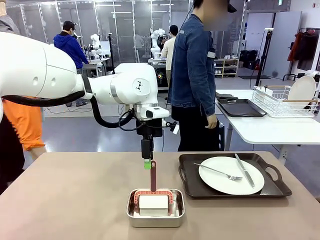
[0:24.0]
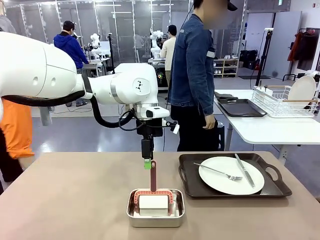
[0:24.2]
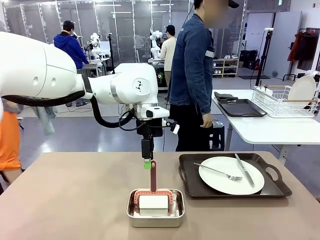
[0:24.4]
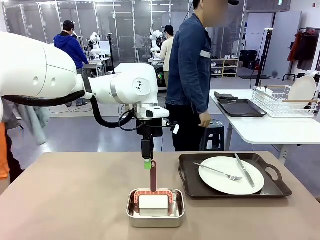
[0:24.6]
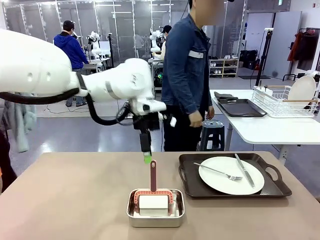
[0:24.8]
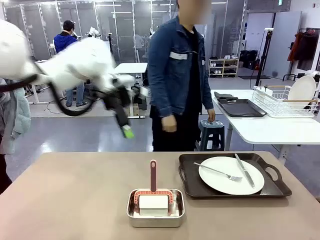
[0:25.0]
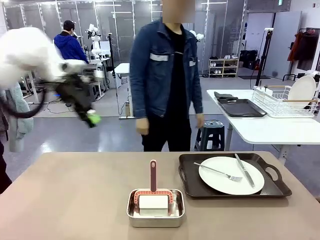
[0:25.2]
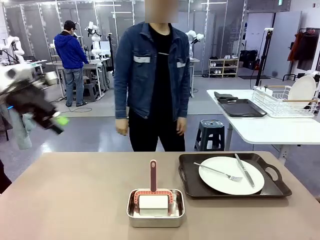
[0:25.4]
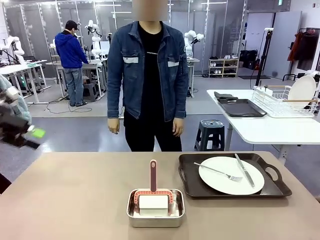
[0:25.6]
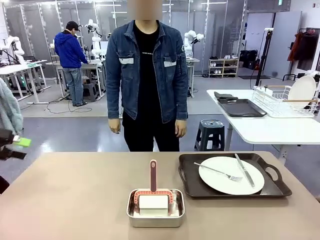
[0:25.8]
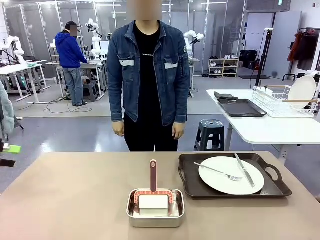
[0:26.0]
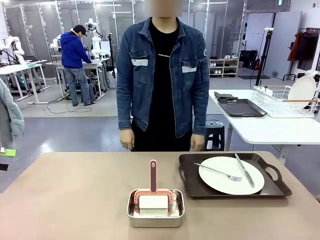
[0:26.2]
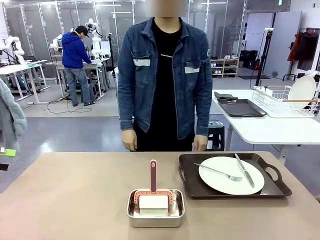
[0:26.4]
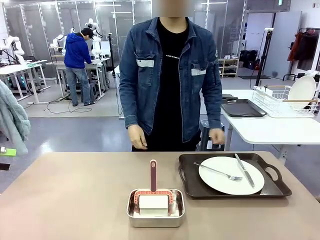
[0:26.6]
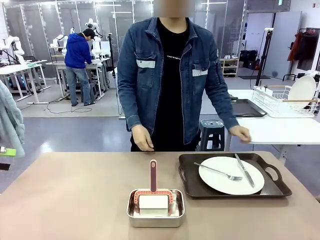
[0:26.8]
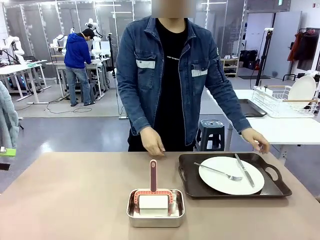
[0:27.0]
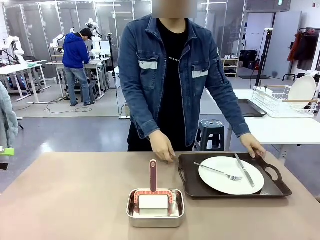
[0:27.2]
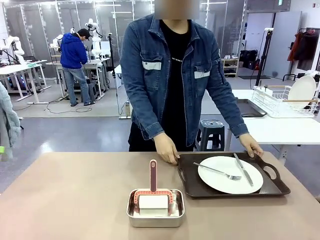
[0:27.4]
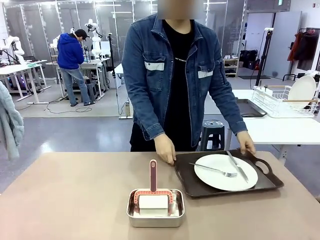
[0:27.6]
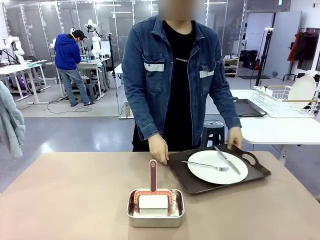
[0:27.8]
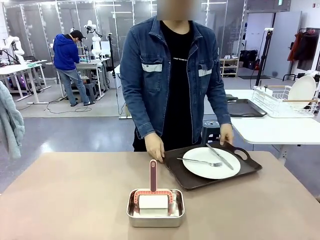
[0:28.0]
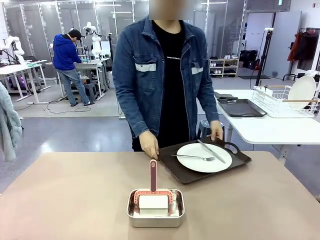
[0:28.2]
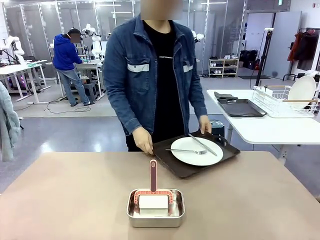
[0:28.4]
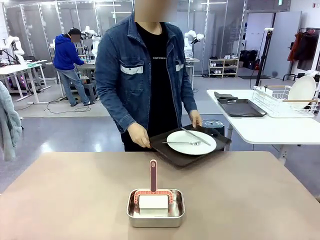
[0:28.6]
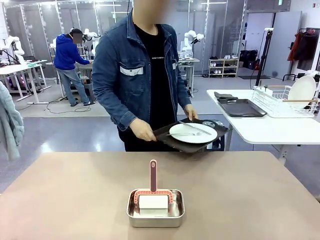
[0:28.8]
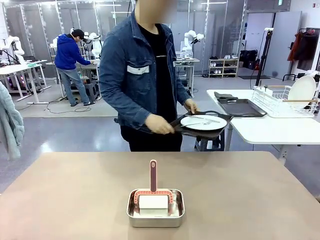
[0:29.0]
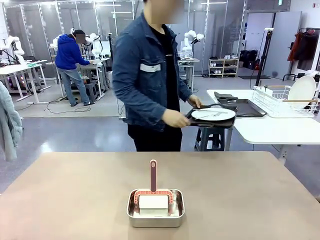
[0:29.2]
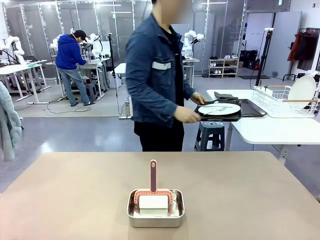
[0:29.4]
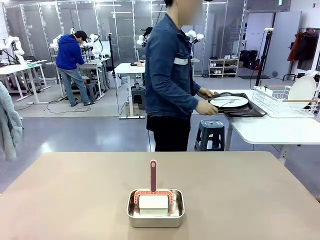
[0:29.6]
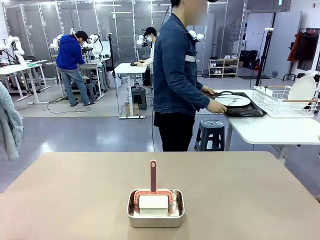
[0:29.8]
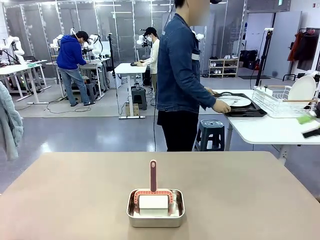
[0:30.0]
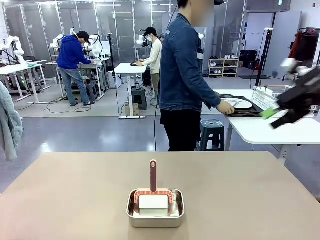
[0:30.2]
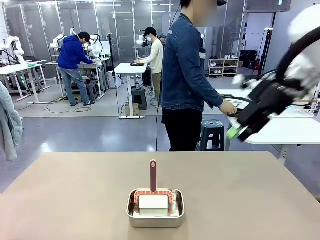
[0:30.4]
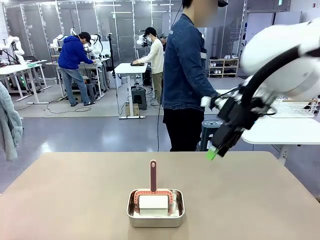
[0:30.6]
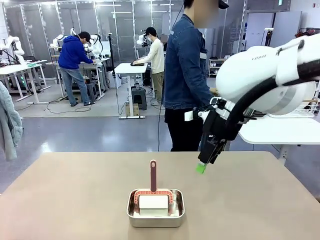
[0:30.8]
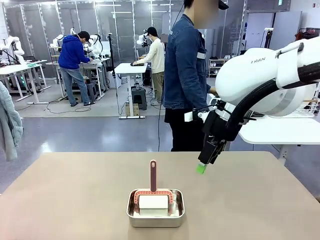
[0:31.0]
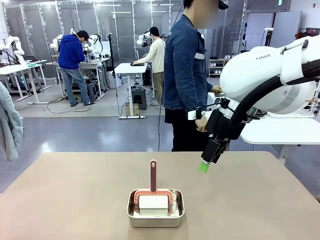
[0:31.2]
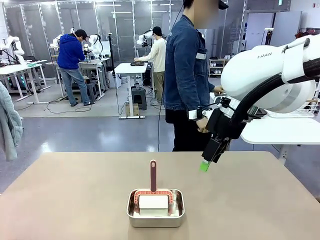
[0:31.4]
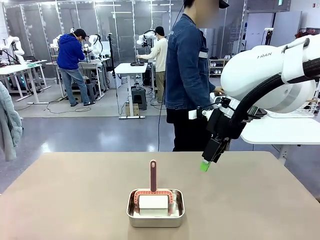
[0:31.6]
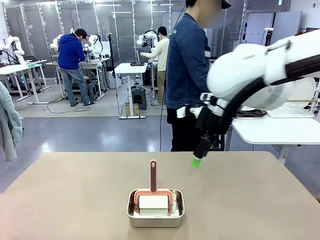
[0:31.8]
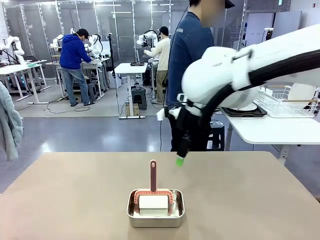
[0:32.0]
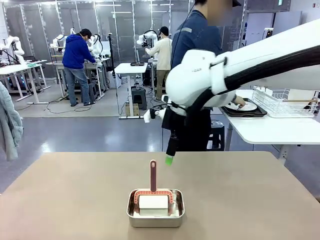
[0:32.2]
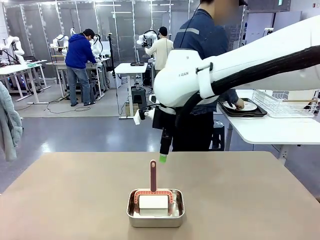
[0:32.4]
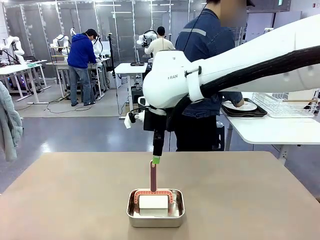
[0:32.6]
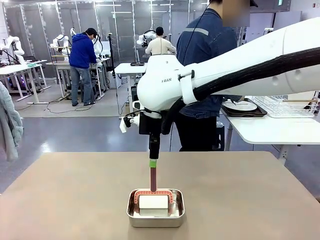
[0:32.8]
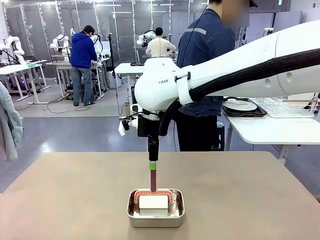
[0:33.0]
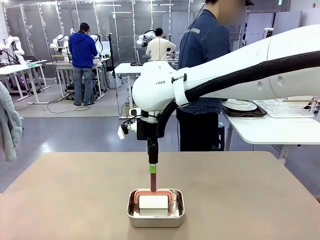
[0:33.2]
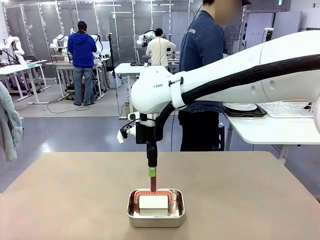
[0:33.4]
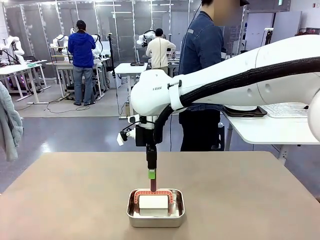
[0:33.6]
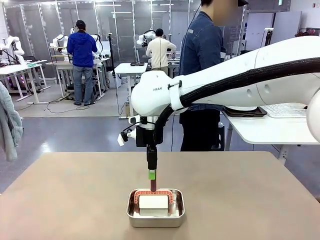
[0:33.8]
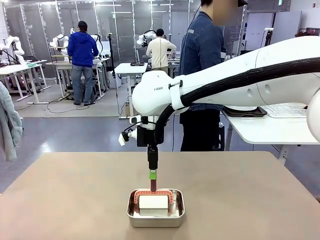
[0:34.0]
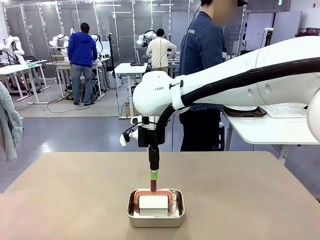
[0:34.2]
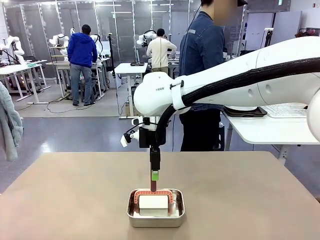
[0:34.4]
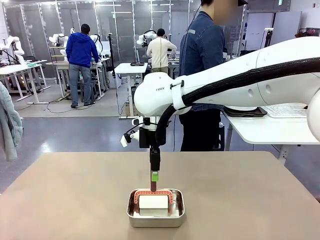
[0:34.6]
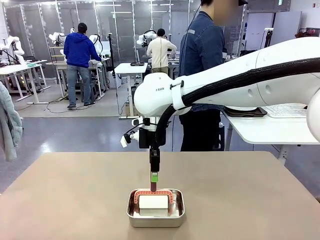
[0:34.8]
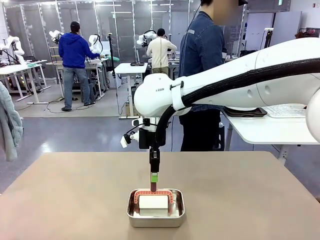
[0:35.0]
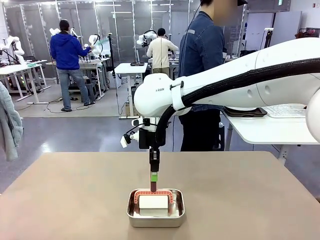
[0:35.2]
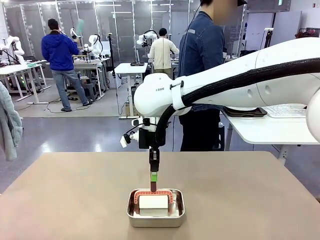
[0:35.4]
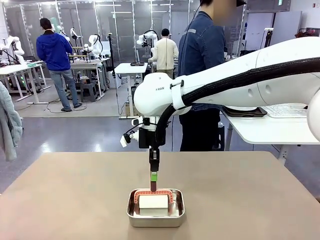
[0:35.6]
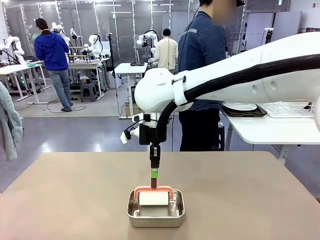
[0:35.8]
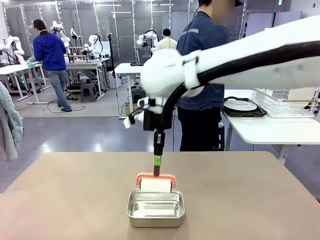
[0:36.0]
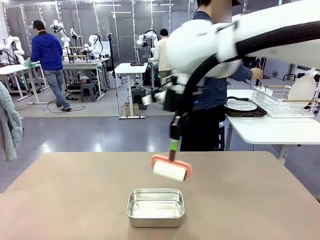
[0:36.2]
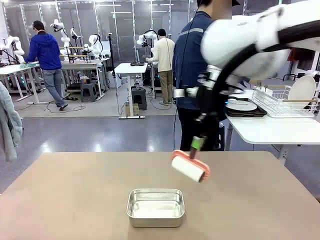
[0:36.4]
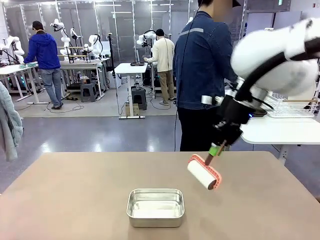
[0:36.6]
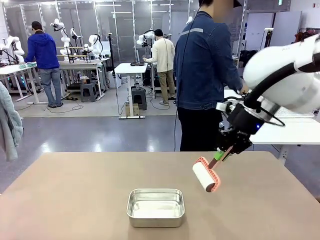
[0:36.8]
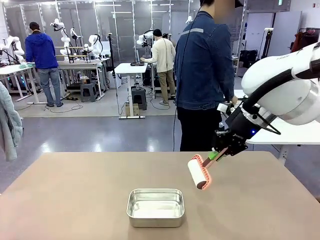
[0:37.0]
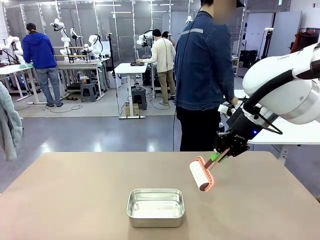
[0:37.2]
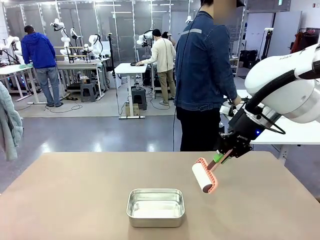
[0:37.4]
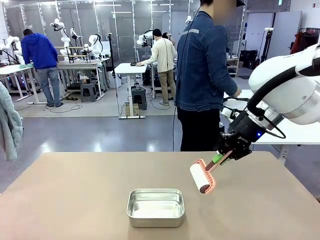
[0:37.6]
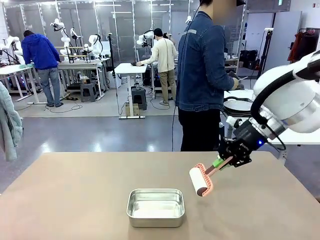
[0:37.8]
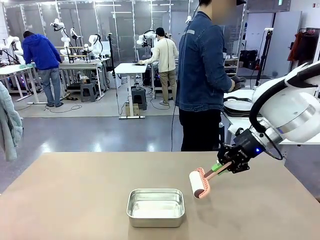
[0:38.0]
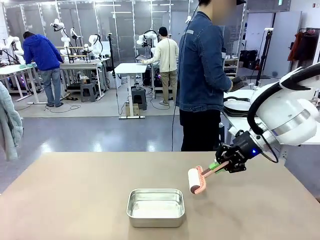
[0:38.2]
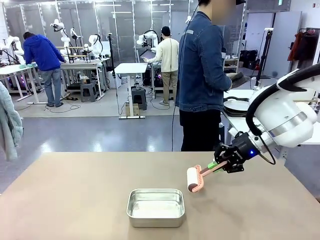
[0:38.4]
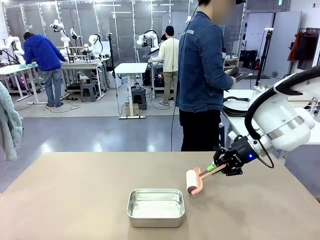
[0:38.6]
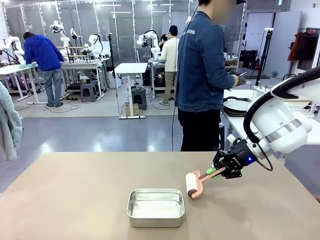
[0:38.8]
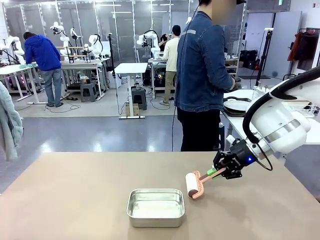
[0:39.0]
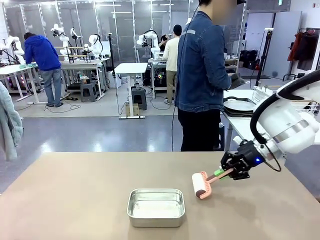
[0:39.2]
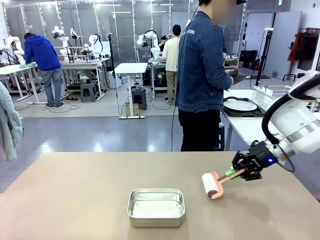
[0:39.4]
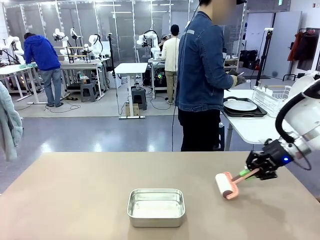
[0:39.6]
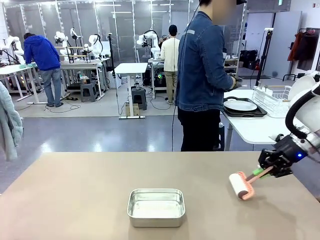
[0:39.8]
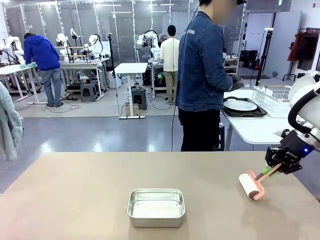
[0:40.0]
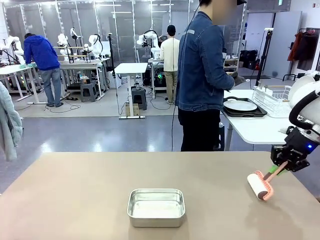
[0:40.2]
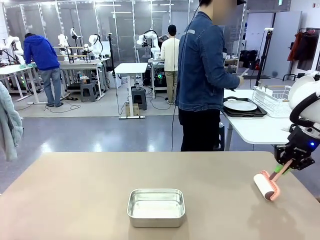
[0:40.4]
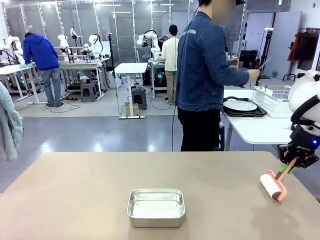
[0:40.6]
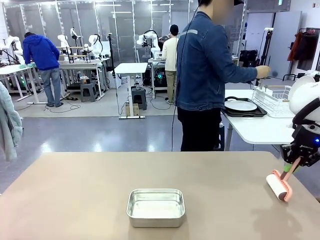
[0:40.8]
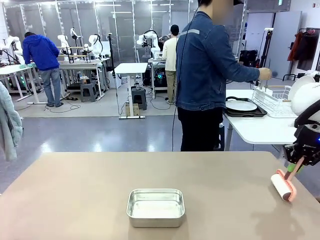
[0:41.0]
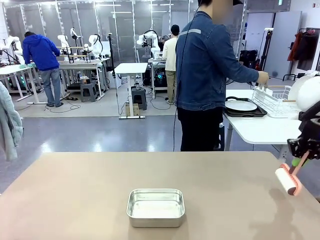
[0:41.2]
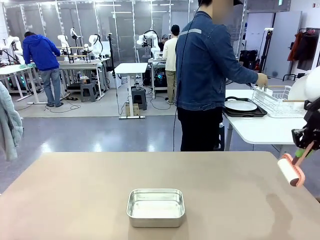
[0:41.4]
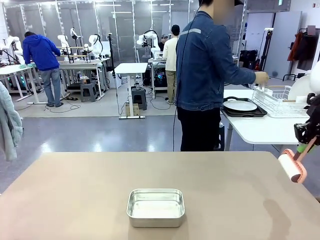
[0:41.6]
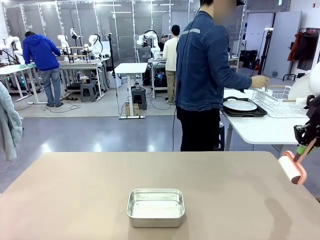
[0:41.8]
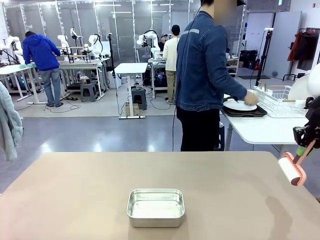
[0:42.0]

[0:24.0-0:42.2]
Robot: When the right (or left) Handle tray is removed, use the right hand (or left hand) to clean the right (or left) side of the table with the Lint Roller.
Person: Pick up the left (or right) Handle tray and place it on the Handle tray.
